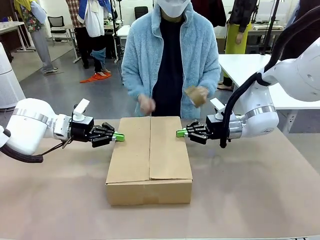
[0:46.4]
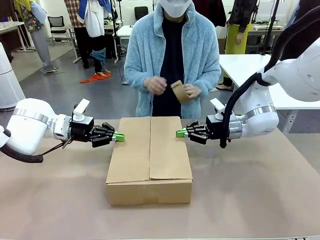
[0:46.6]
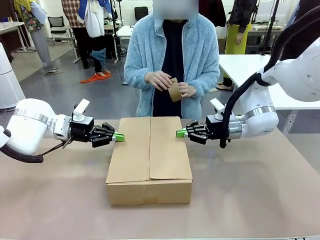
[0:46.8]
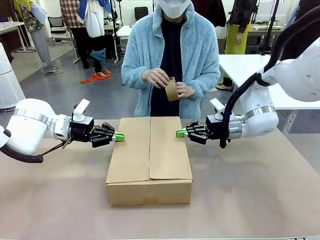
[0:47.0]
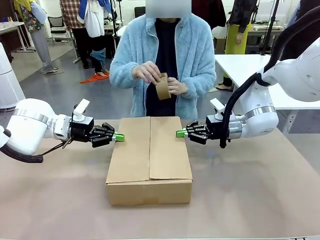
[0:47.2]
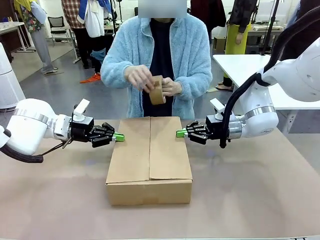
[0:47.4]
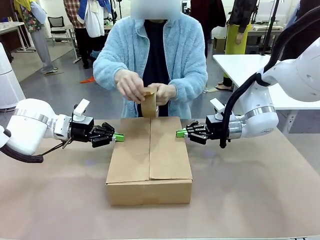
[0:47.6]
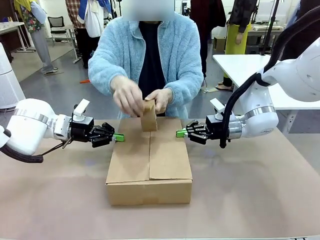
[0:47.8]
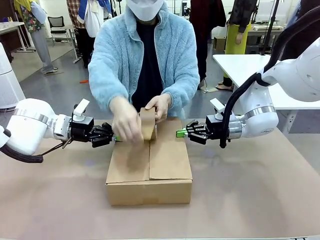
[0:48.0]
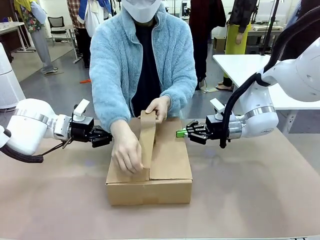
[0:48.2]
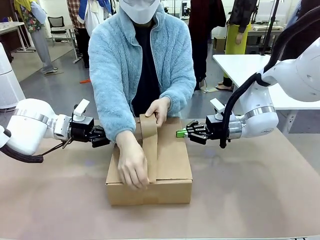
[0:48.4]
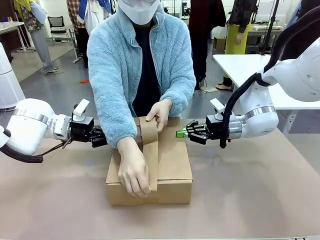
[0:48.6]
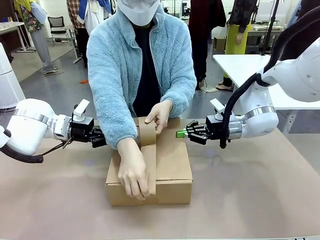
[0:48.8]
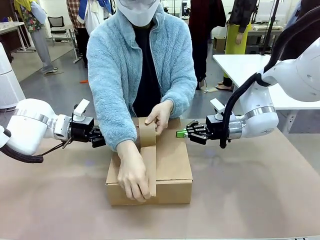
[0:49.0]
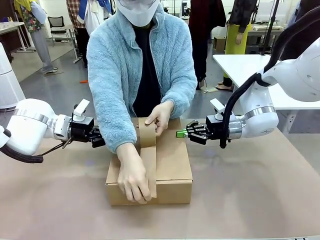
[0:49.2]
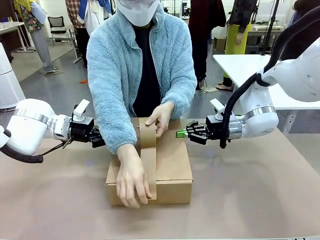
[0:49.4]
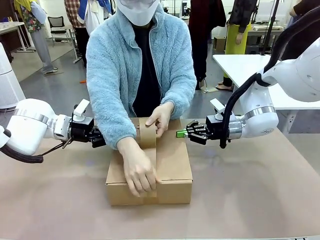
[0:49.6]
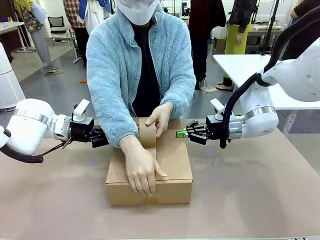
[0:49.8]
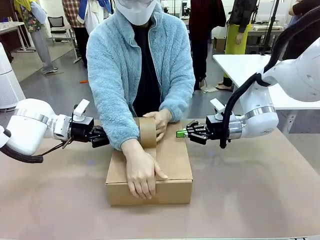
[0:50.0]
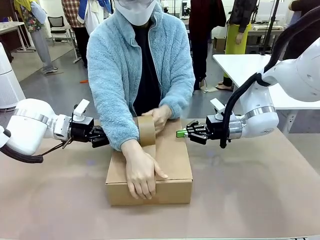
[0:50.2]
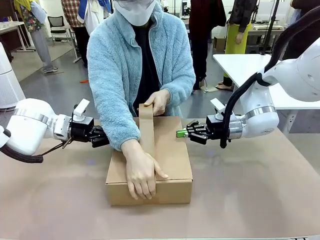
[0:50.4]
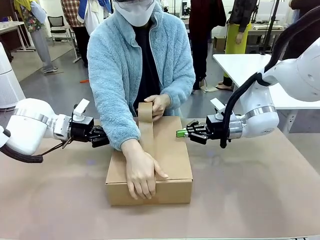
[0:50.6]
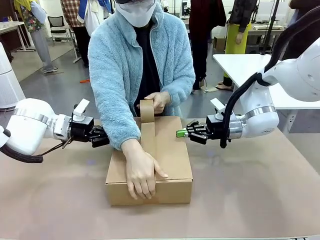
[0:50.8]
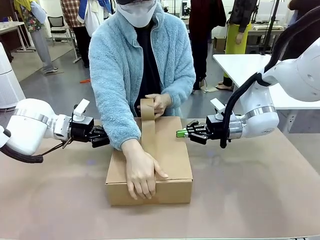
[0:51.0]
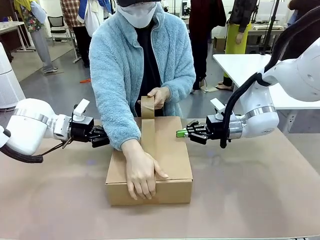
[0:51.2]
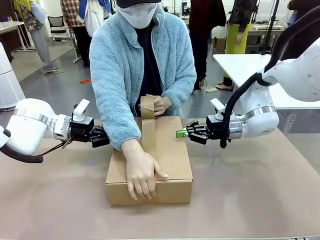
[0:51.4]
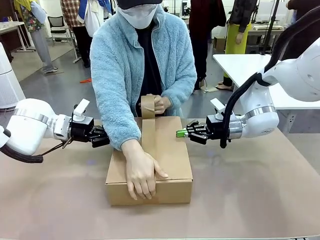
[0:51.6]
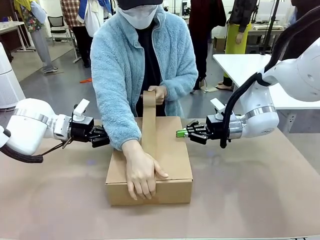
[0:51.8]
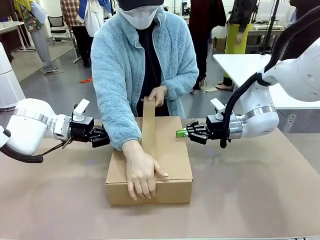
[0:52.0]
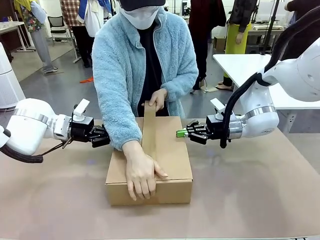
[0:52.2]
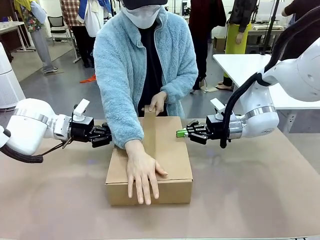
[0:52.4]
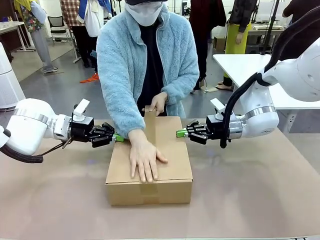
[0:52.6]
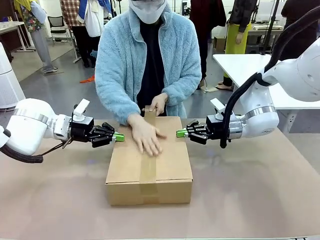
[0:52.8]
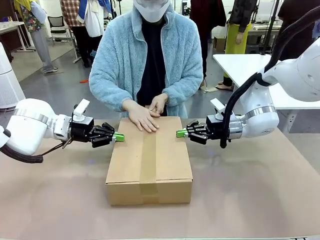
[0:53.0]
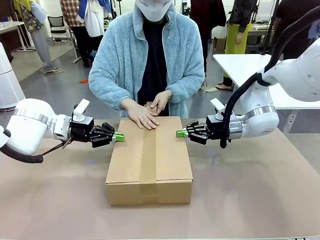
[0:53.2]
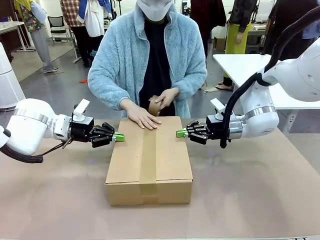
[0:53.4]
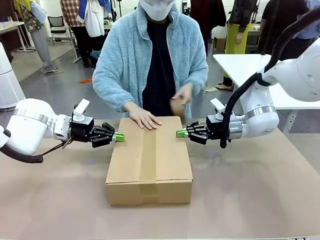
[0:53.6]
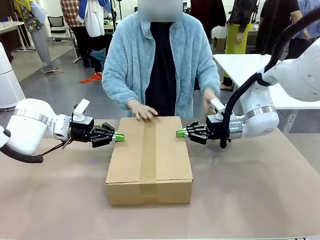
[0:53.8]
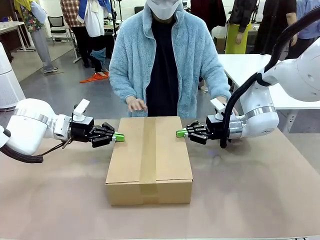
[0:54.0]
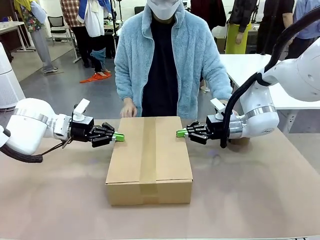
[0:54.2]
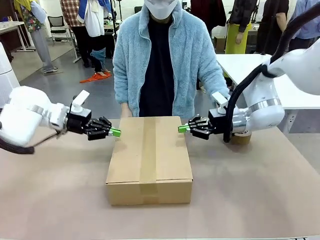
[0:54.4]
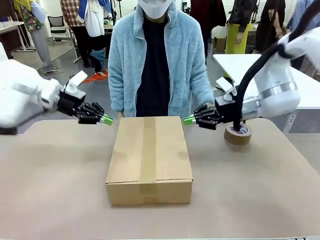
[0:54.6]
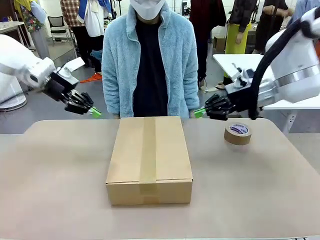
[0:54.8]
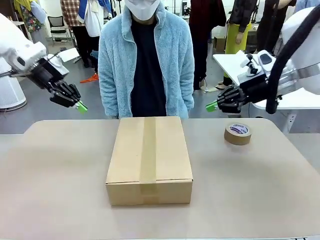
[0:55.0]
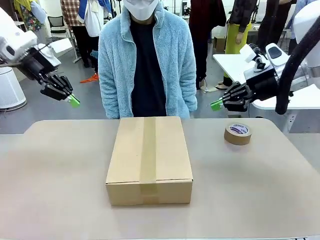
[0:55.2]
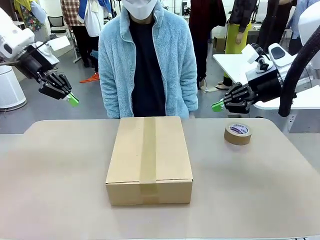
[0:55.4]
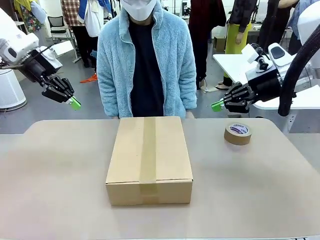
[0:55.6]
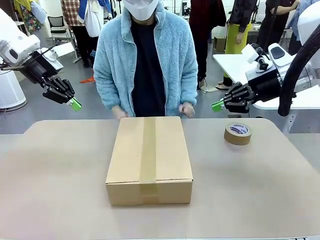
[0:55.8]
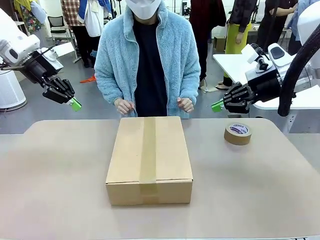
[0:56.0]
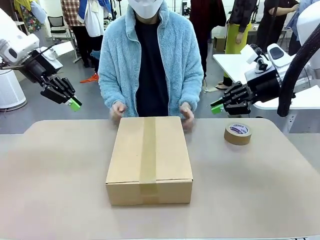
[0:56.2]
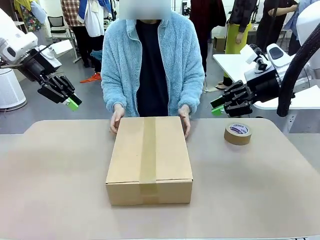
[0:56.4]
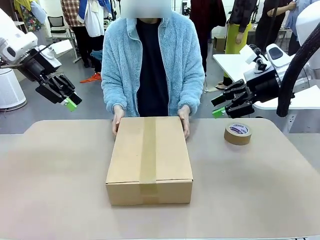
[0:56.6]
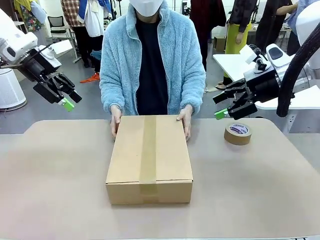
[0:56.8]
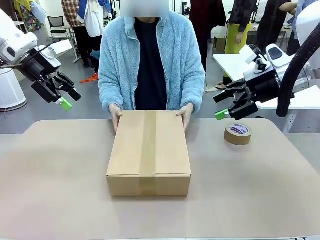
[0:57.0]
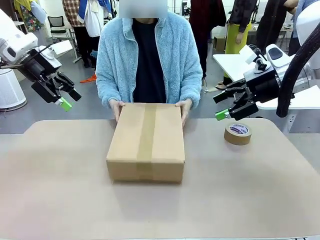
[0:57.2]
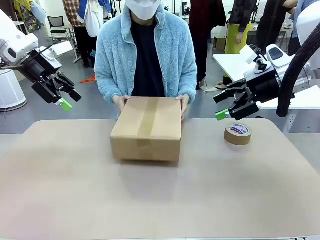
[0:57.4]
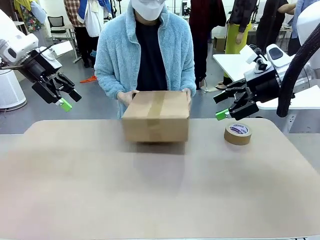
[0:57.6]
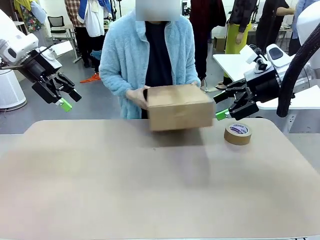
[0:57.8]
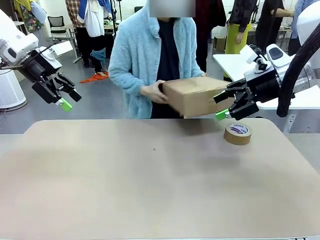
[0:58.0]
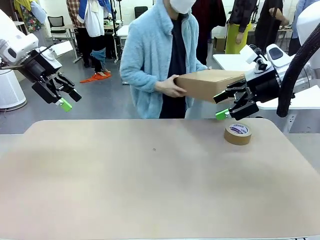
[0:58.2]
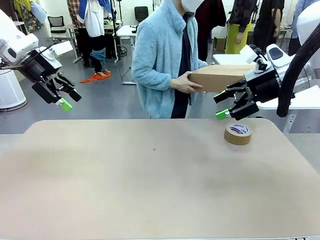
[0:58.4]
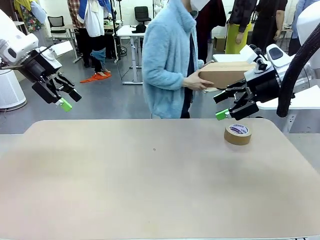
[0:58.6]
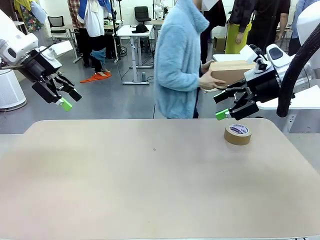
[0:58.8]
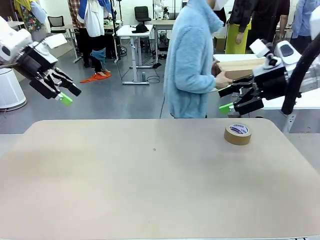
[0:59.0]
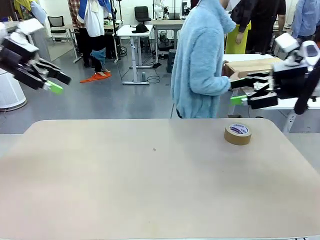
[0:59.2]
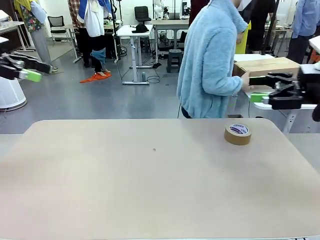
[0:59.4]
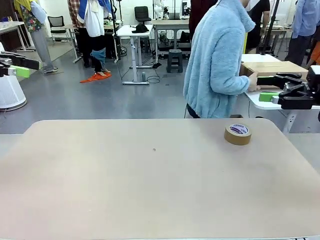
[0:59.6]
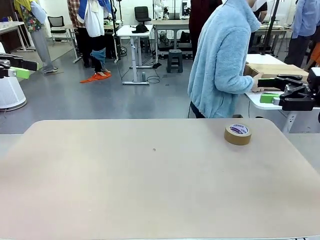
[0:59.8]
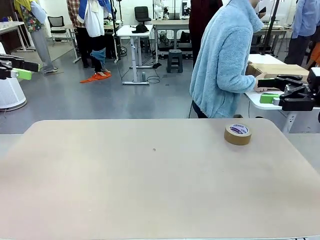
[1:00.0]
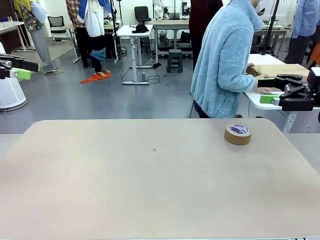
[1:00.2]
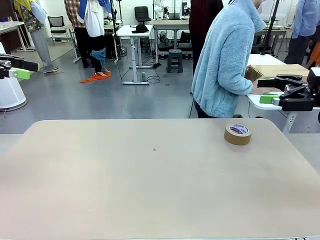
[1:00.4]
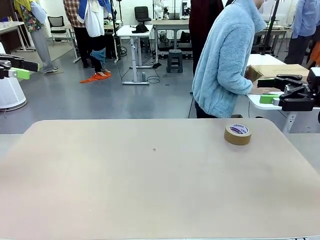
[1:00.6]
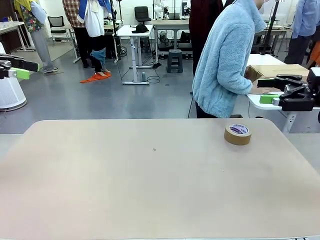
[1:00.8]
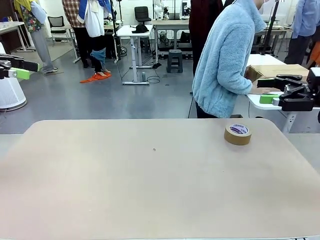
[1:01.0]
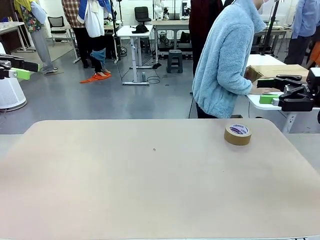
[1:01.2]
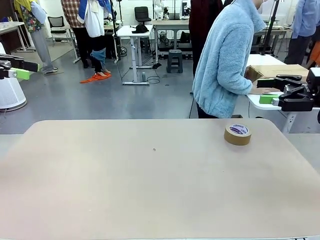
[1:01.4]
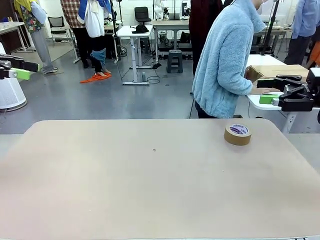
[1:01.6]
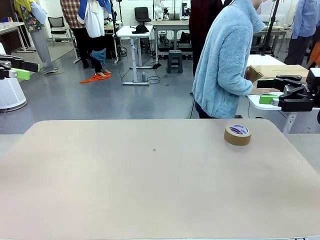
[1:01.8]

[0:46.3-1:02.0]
Task: Wrap the clocks to prevent damage.
Robot: After the human seals the box with tape, release both hands from the side flaps of the Package Box.
Person: Once the robot closes the left flap of the Package Box , seal the box with Paper Tape. Place sealed Package Box in the middle of the human's table.

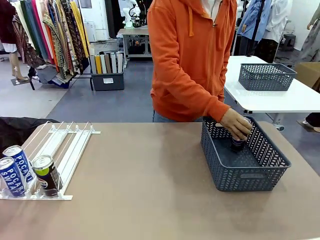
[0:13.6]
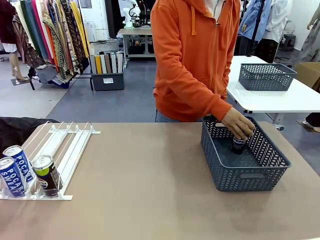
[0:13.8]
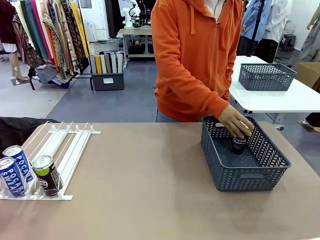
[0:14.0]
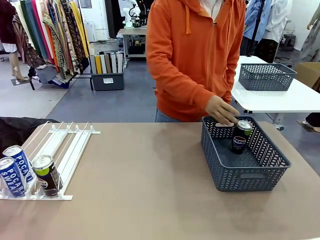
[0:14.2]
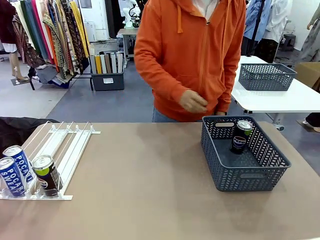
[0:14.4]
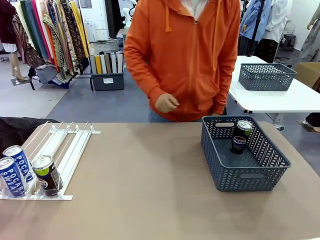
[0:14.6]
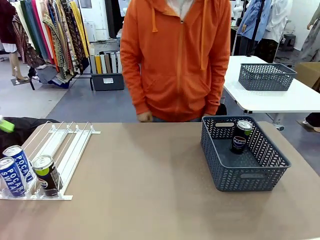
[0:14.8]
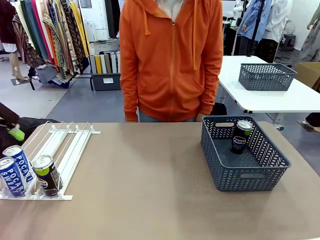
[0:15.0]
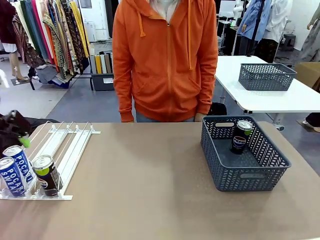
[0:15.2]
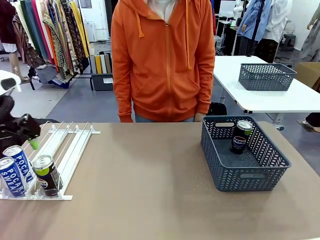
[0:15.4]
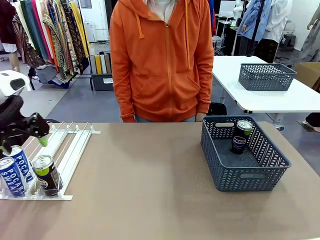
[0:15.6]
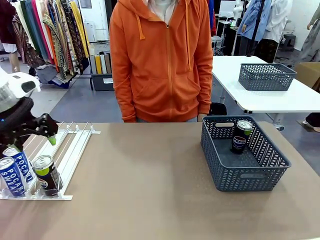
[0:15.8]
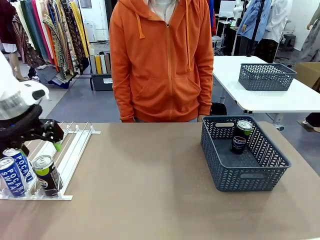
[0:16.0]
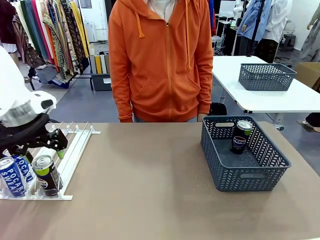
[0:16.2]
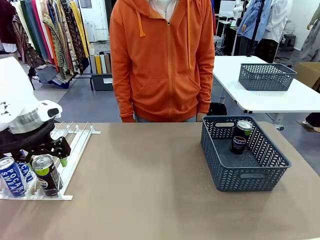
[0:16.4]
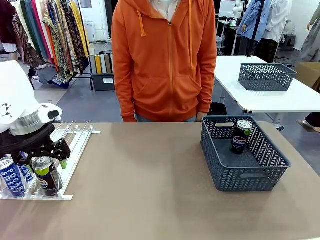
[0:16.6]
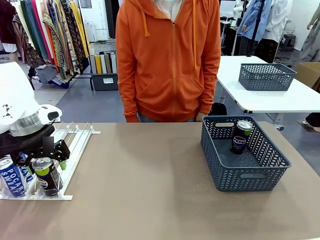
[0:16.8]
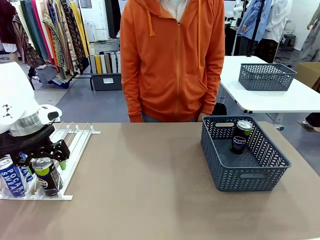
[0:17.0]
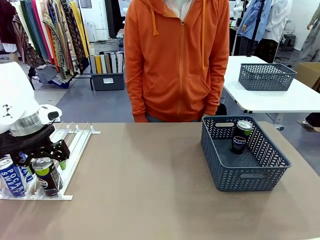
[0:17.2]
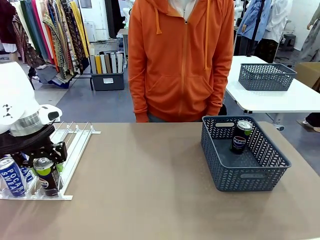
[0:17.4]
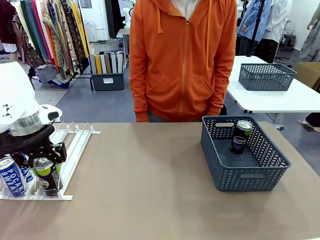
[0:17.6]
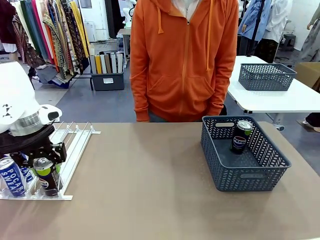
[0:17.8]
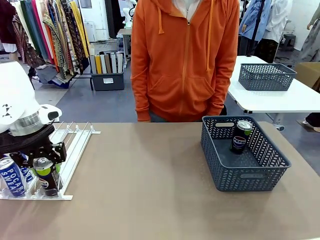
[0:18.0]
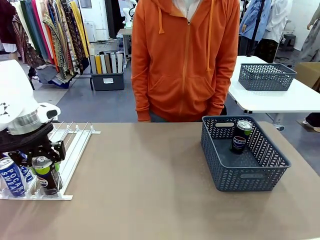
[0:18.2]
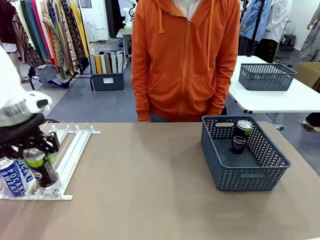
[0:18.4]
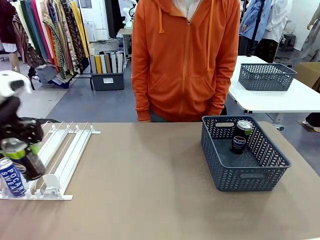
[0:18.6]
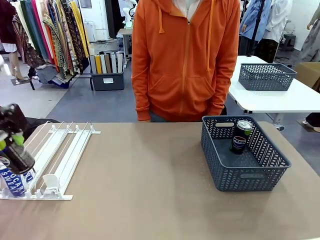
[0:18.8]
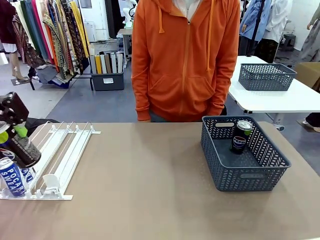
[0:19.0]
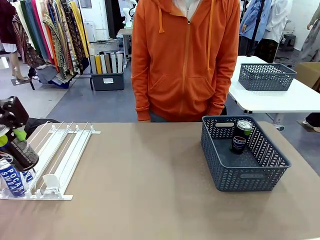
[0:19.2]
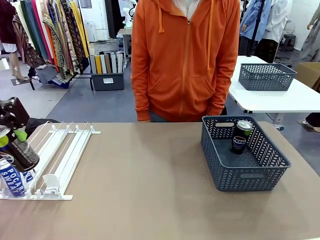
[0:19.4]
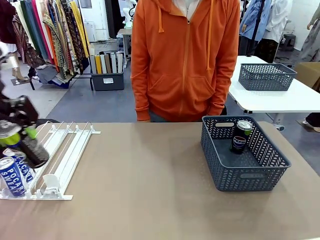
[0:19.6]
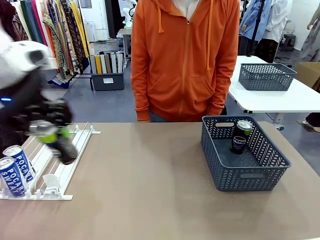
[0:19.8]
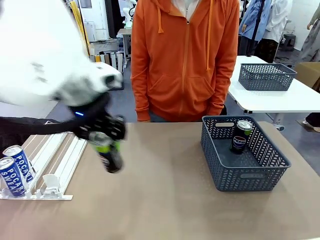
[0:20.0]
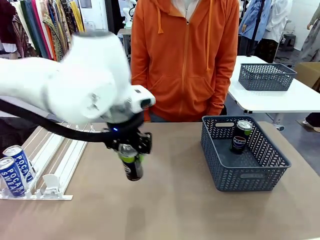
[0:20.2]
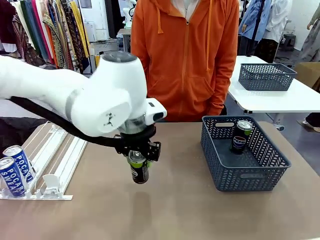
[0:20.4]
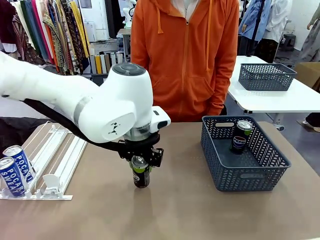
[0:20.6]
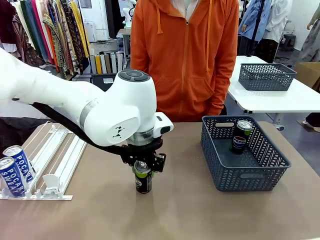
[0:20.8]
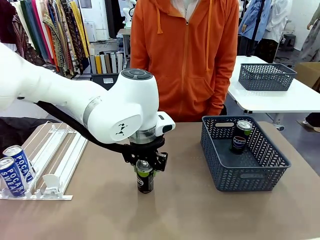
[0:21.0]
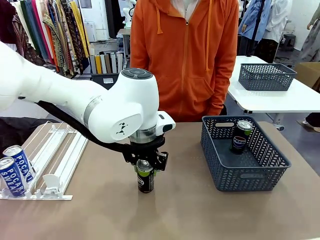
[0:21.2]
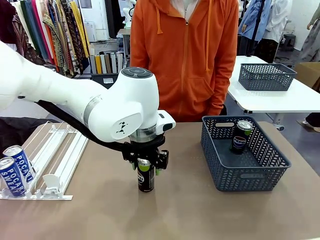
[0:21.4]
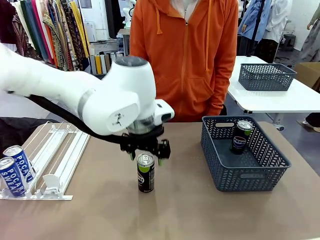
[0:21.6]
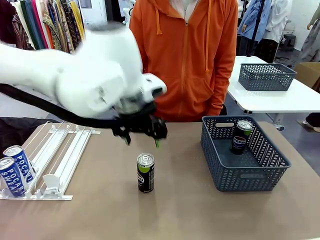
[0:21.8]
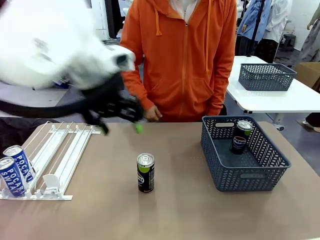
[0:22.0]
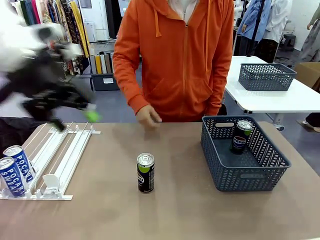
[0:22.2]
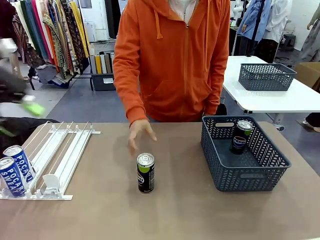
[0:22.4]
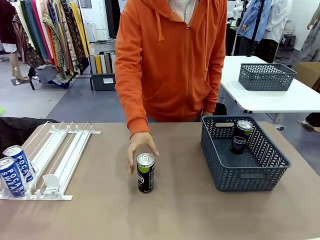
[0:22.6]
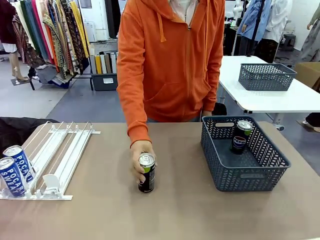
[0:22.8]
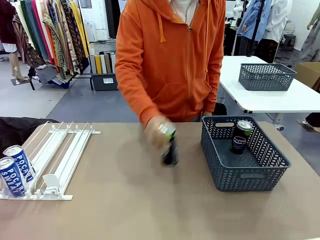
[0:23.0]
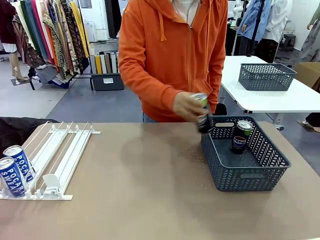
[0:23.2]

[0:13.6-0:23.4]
Task: Retrieve and store the cans from the dispenser.
Robot: Pick up the last remaining can from one row of the Automatic Can Dispenser and place it in the middle of the table.
Person: Pick up one Pepsi can from the middle of the robot table and place it in the basket.
